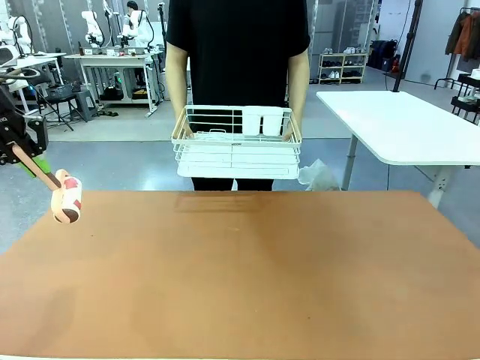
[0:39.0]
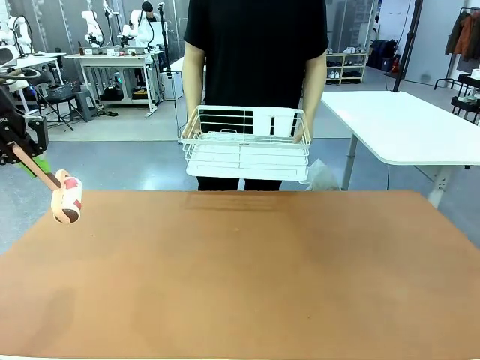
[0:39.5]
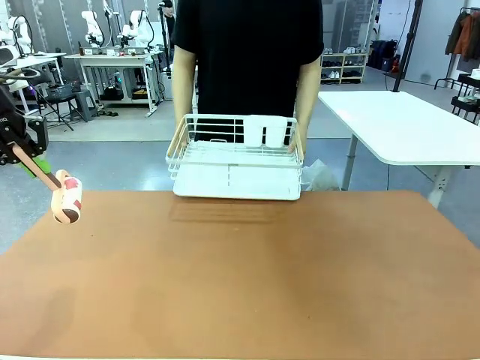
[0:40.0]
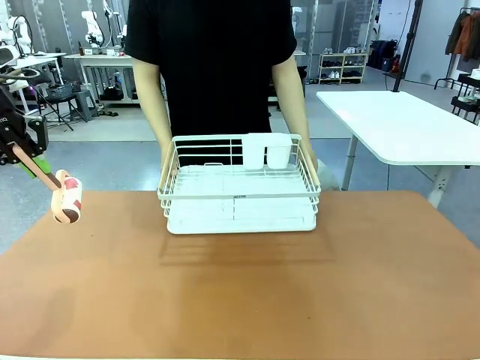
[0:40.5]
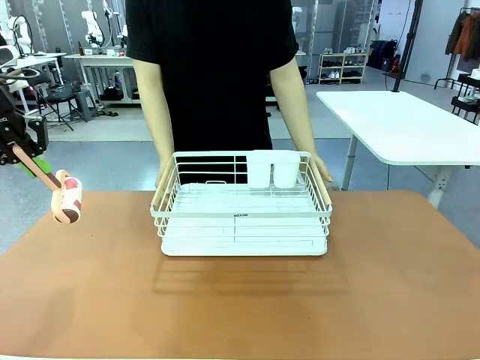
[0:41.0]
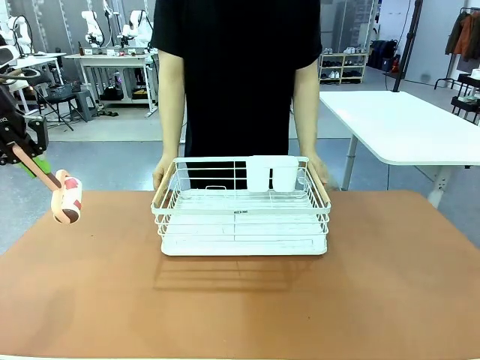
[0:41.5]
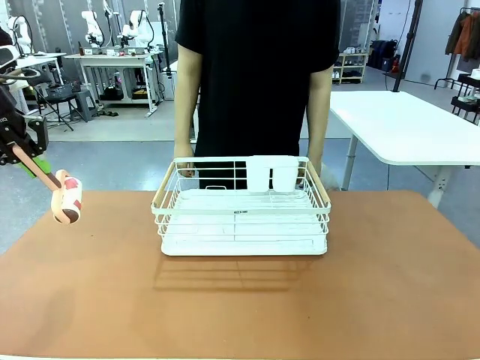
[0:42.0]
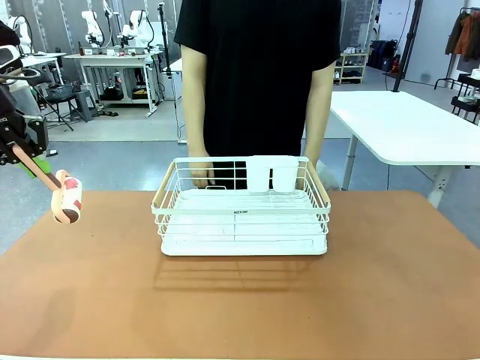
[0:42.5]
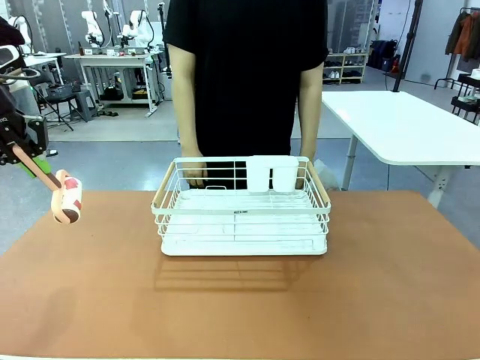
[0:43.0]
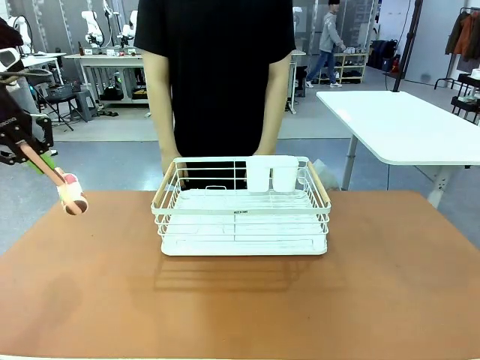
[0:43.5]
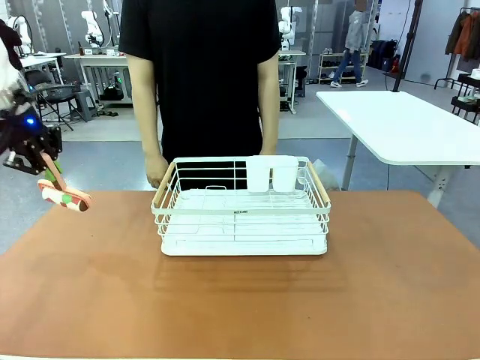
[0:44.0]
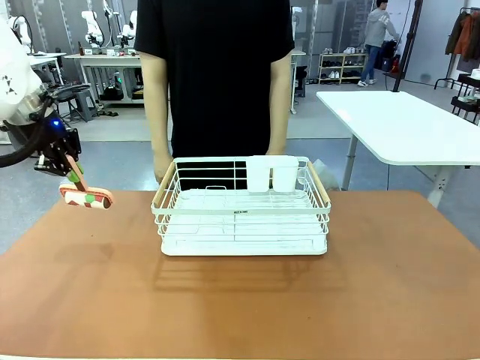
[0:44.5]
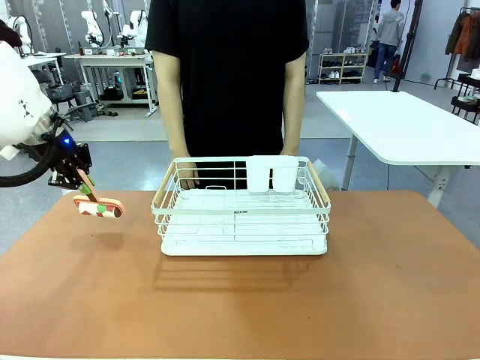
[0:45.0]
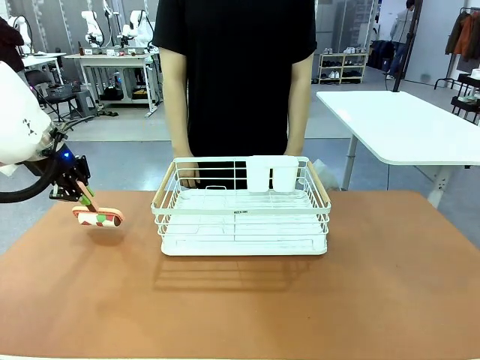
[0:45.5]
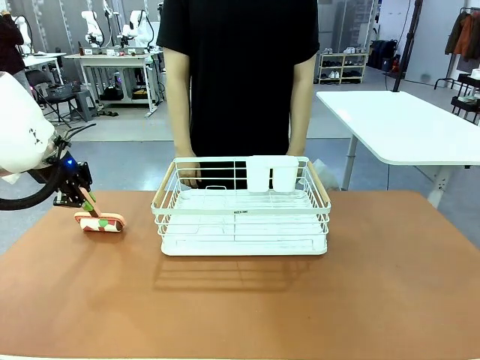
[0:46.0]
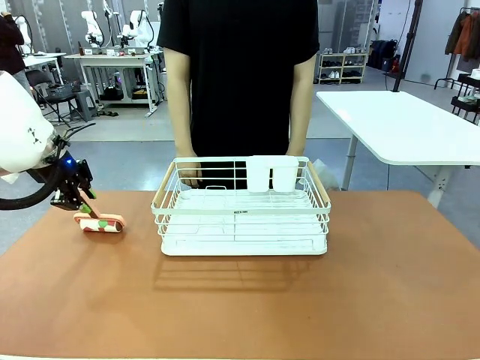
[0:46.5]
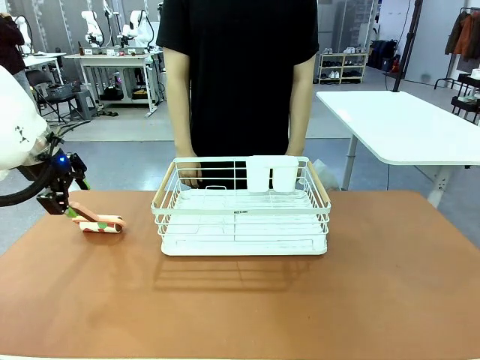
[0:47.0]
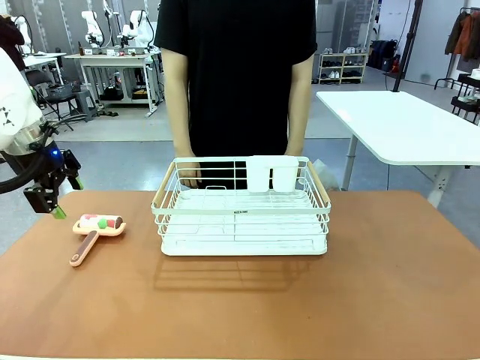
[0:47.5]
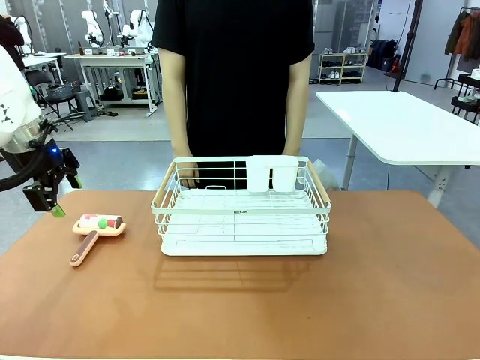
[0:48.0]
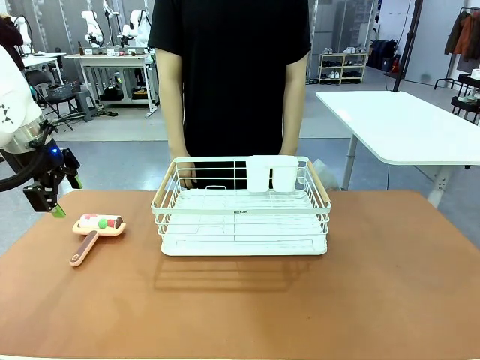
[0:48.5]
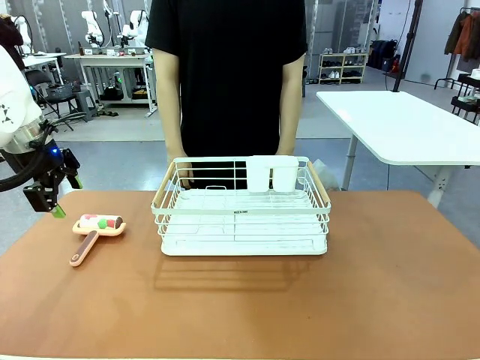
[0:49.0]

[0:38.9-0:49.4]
Task: Clean the table.
Robot: Place the Lint Roller down when the Dish drying rack is positioned in the middle of the table.

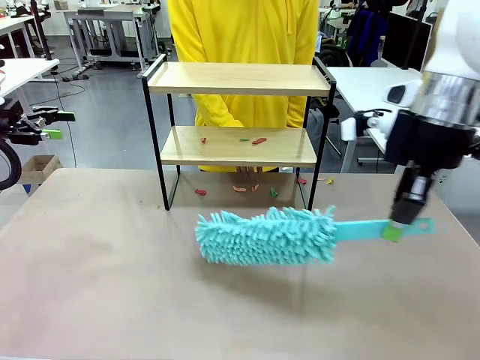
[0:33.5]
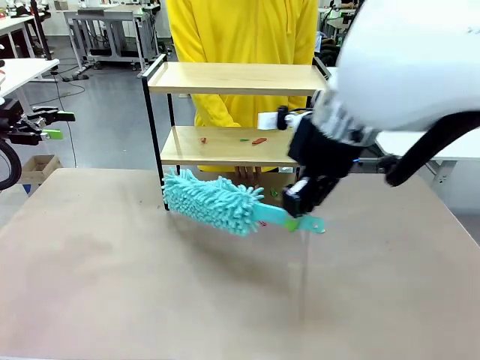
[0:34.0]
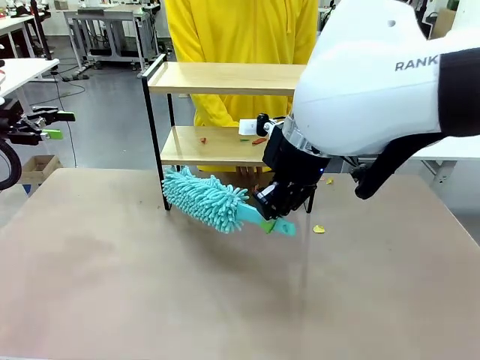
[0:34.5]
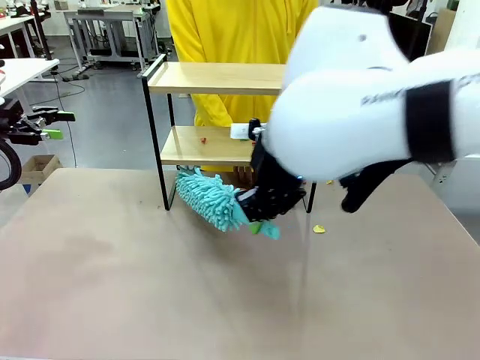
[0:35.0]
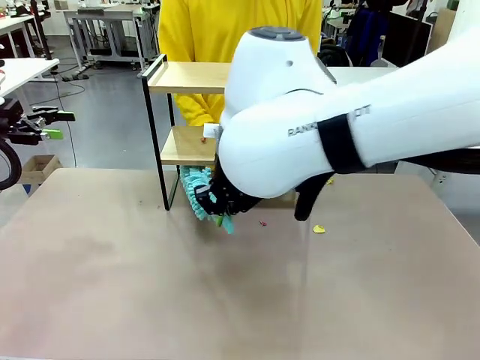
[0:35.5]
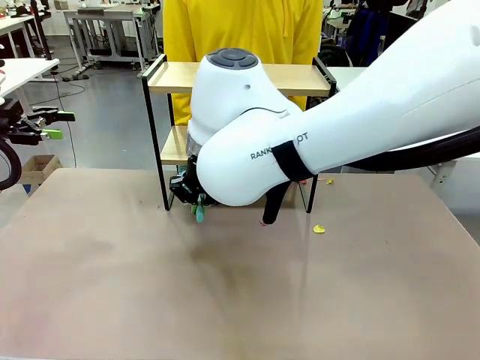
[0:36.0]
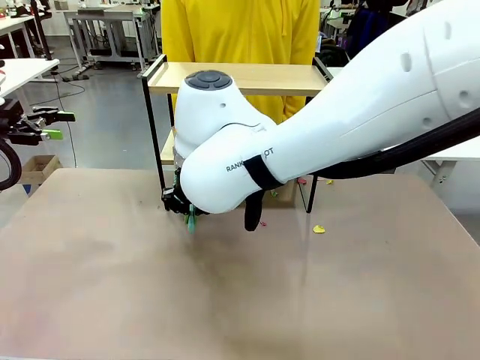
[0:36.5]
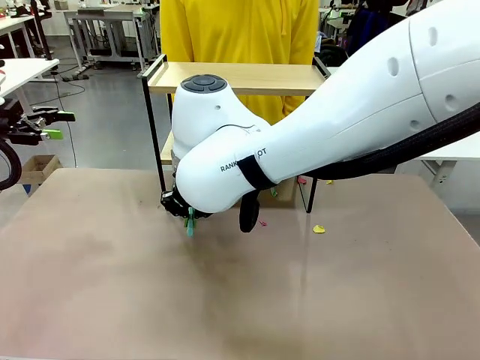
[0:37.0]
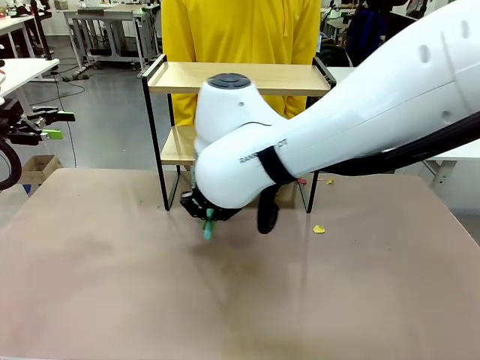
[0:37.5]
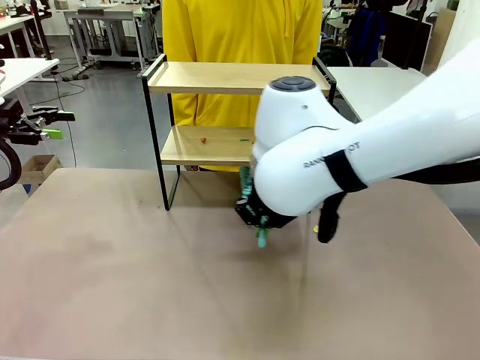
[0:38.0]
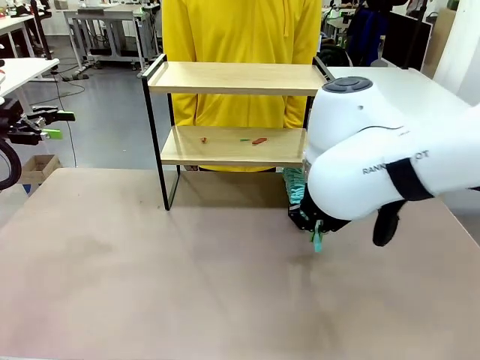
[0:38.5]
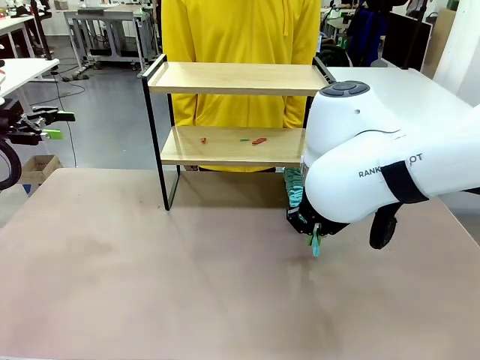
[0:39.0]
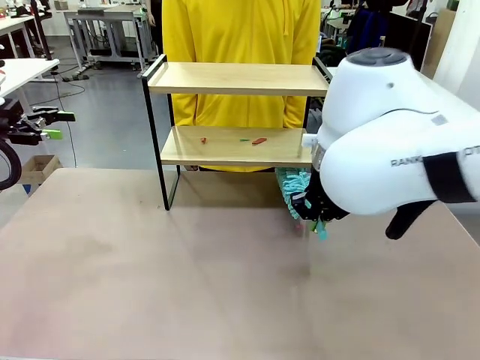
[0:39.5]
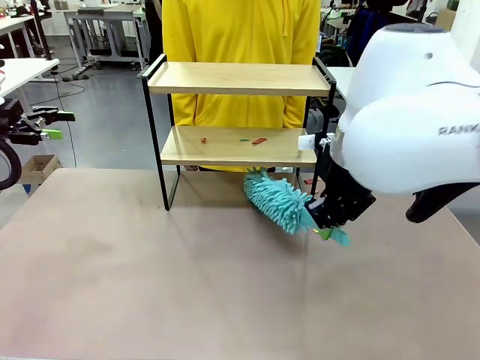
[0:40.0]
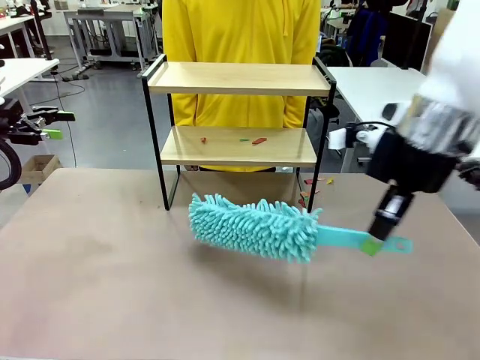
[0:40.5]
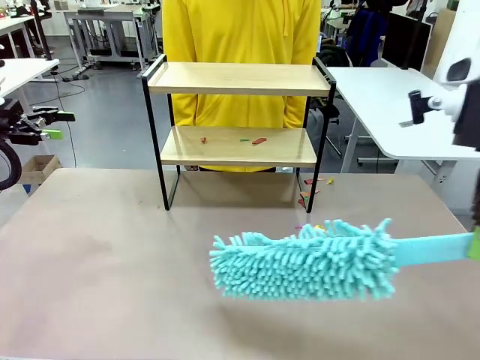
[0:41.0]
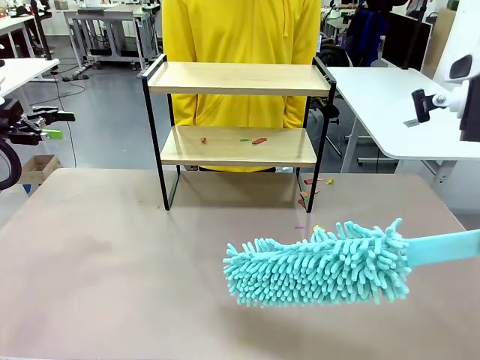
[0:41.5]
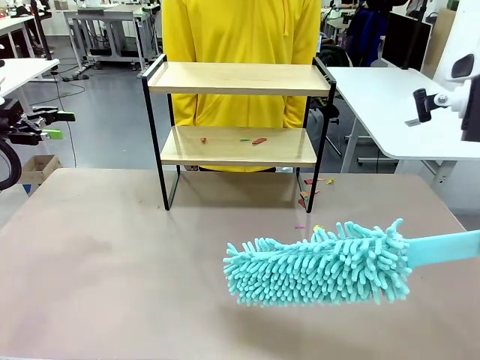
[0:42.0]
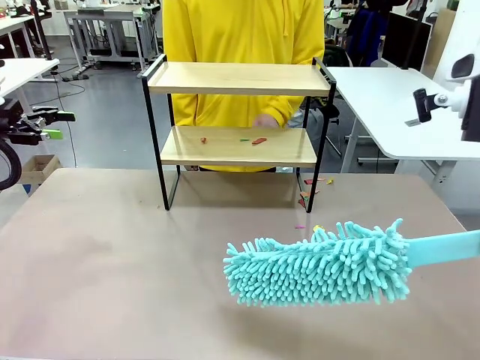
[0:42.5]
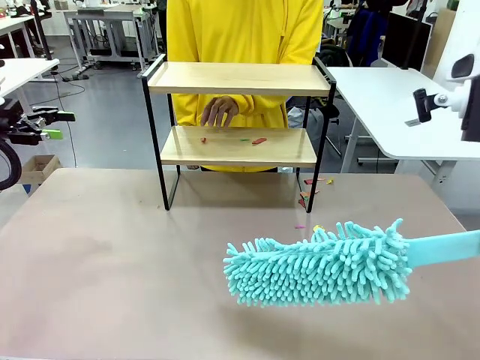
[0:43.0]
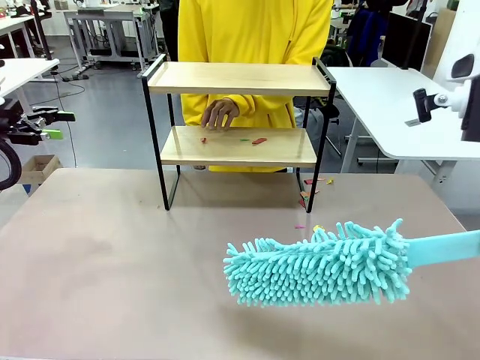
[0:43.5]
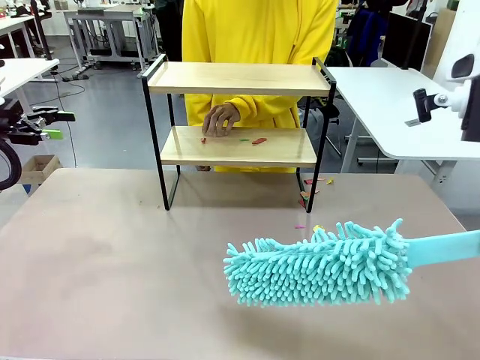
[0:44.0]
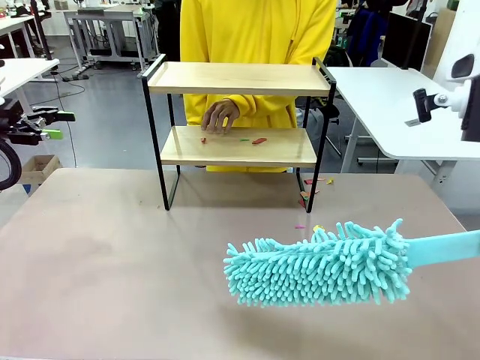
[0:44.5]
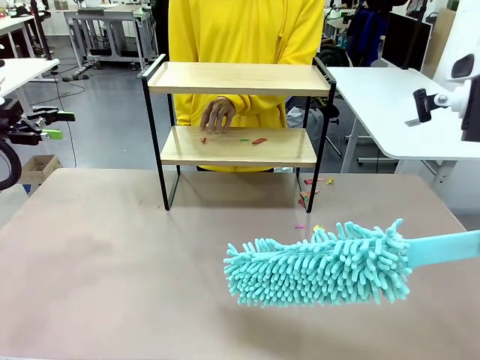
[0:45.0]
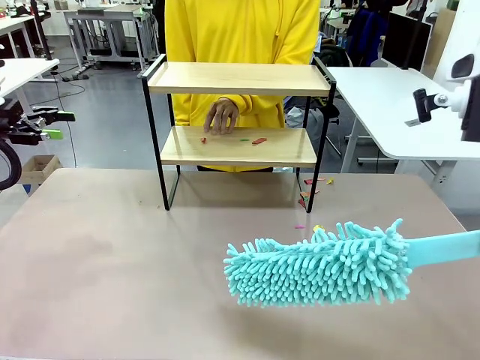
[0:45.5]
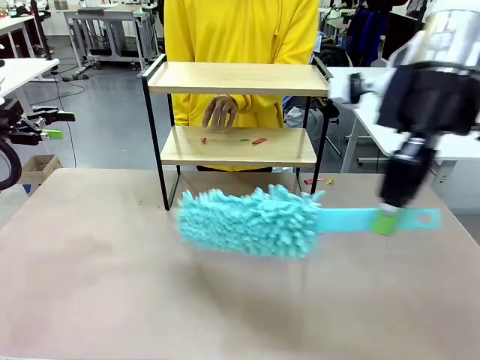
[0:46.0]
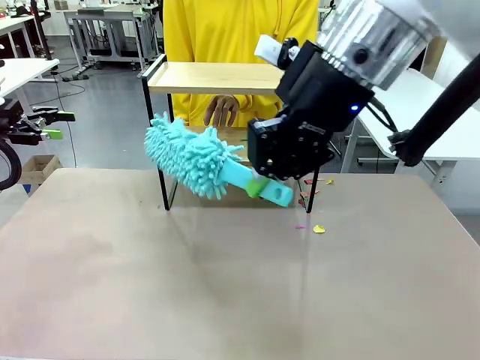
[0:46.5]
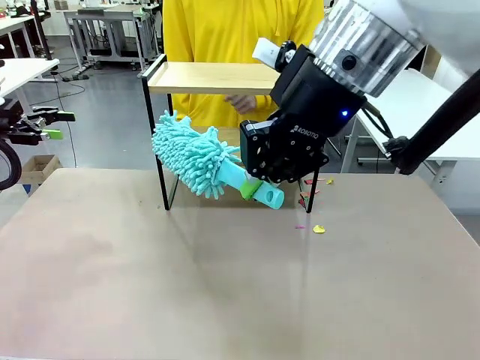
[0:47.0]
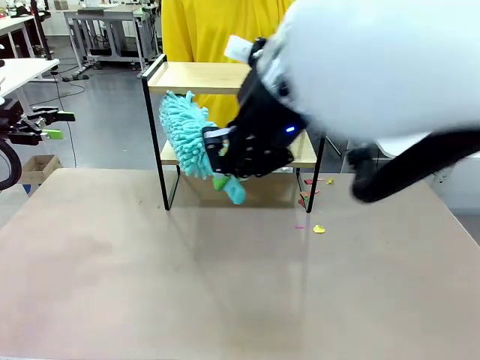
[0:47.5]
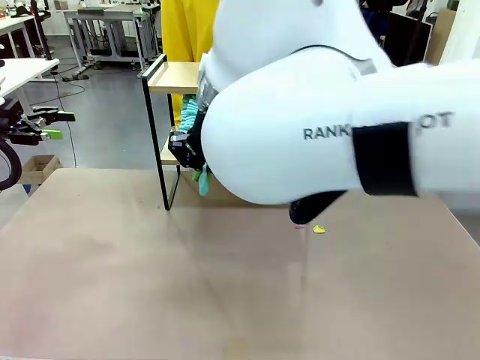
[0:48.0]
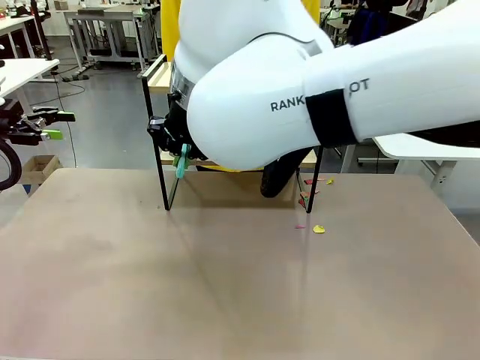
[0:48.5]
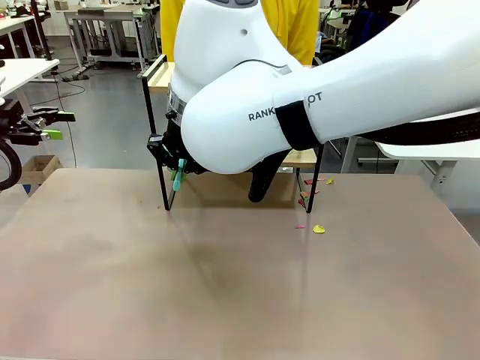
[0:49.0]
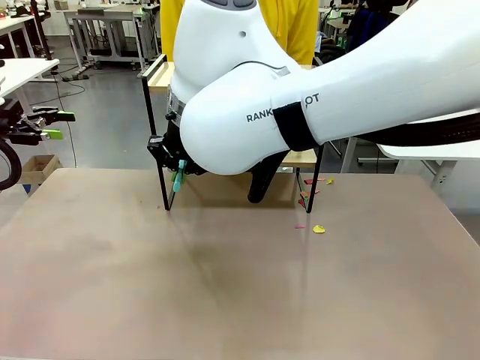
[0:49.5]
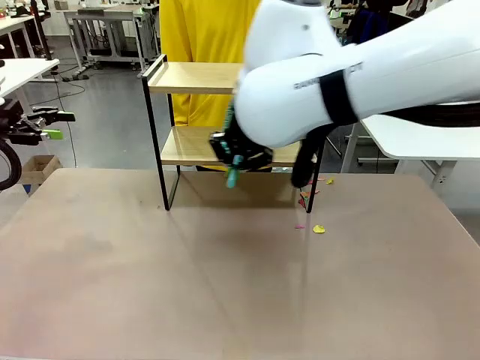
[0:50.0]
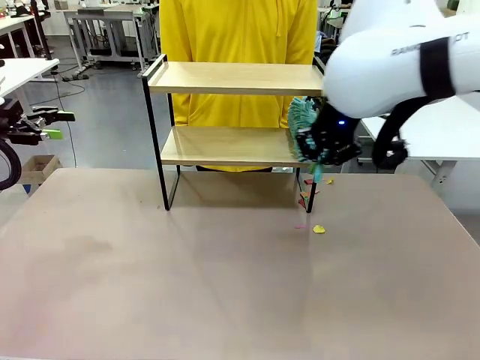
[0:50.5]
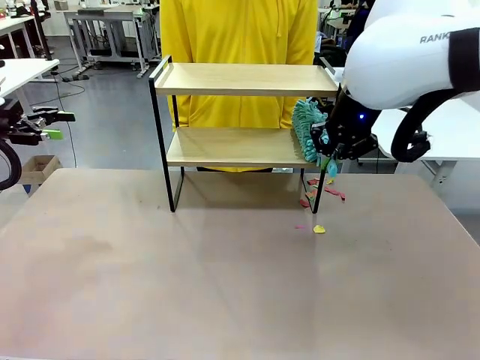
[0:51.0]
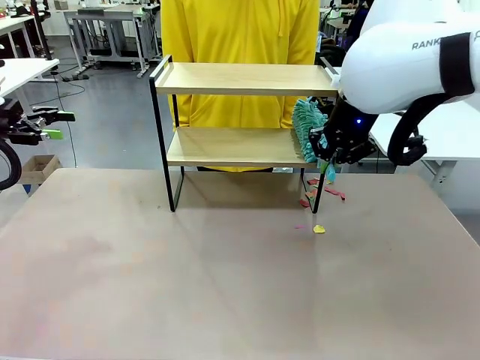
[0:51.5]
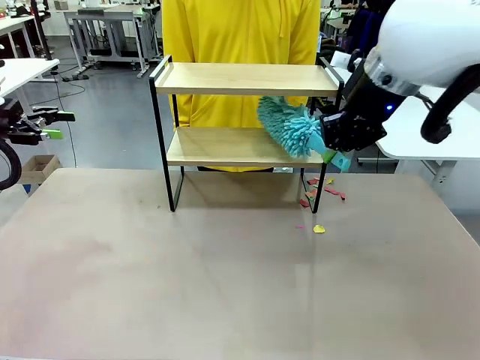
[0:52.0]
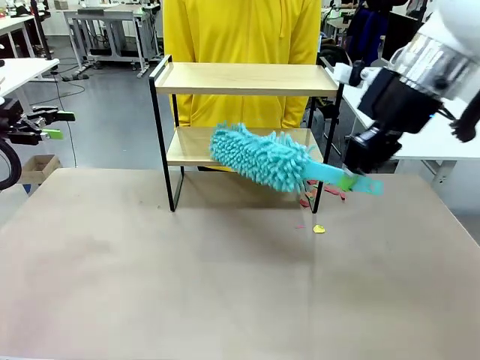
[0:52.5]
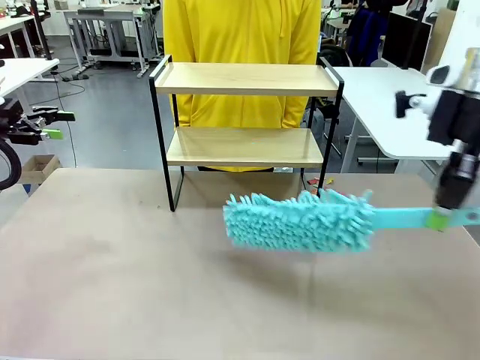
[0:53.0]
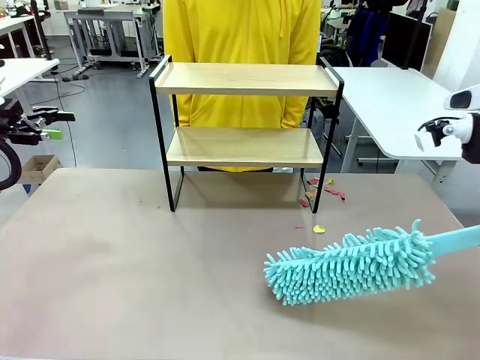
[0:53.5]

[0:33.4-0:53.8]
Task: Clean the shelf.
Robot: Clean the specific section of the Shelf indicated by the human with the Duster.
Person: Point a remaining section of the Shelf.
